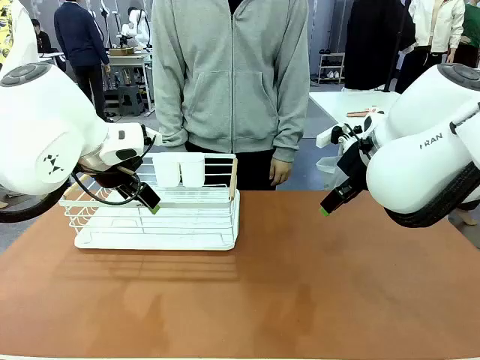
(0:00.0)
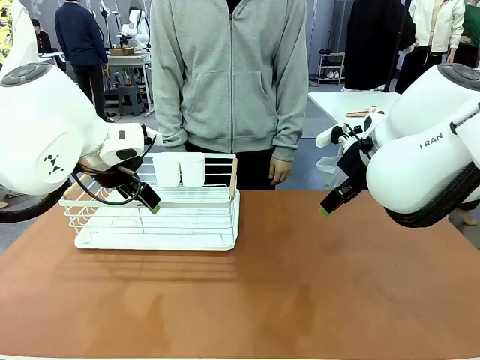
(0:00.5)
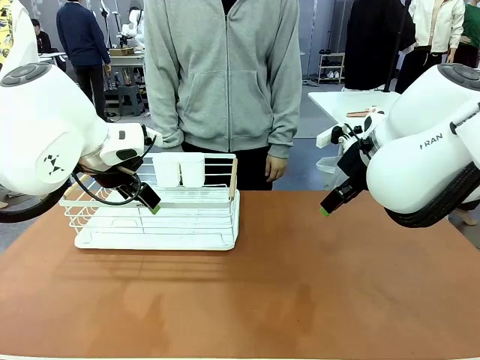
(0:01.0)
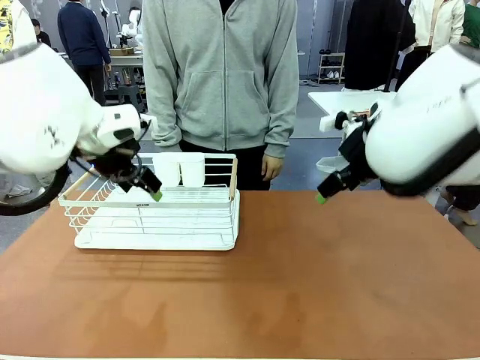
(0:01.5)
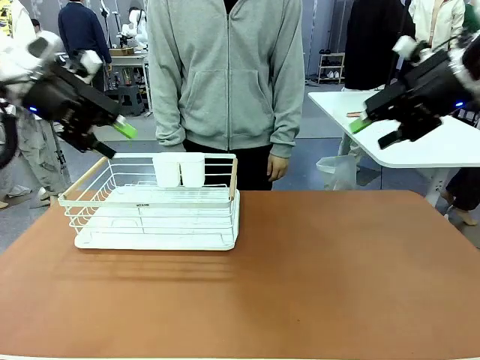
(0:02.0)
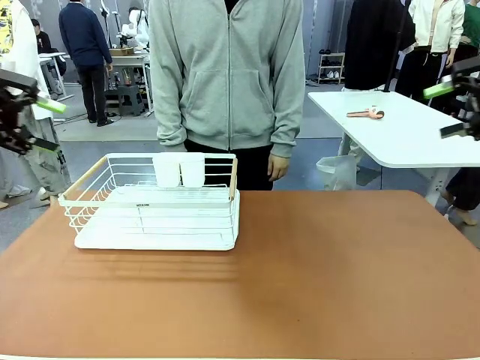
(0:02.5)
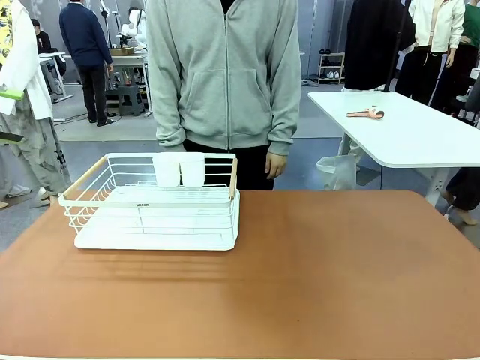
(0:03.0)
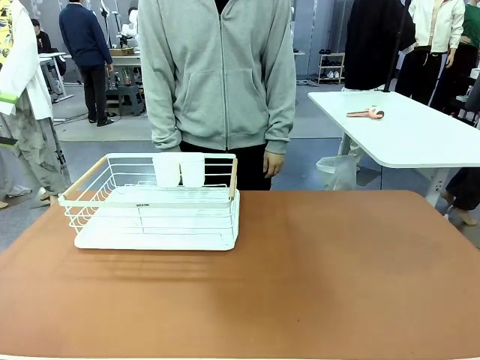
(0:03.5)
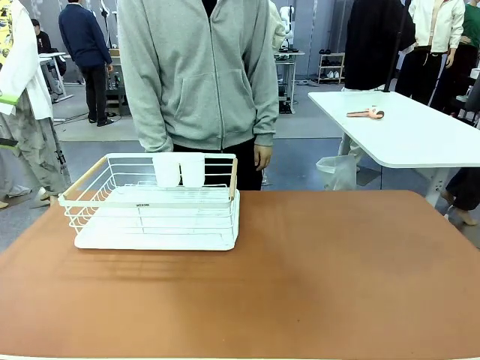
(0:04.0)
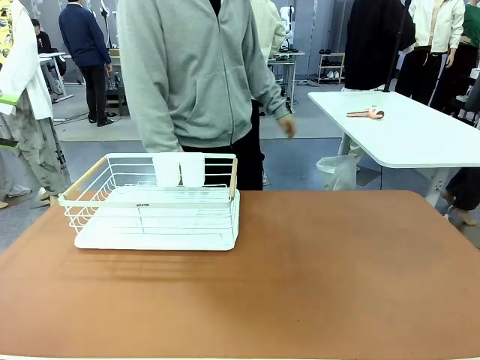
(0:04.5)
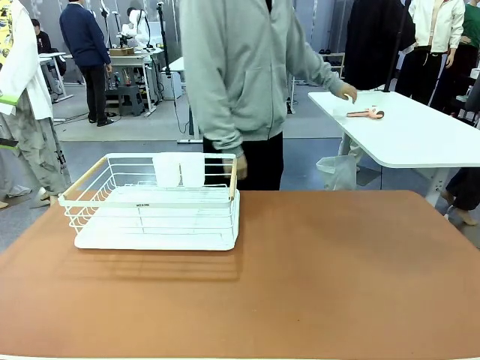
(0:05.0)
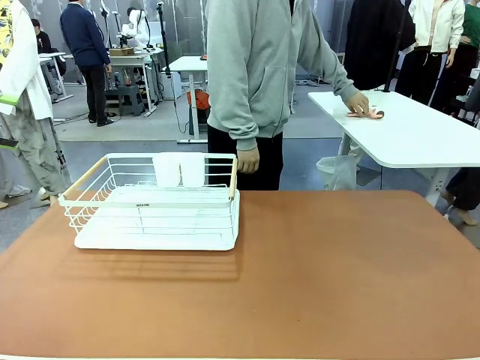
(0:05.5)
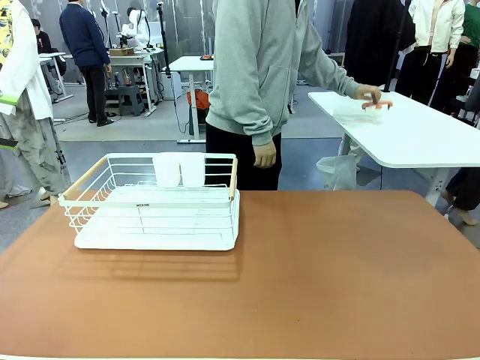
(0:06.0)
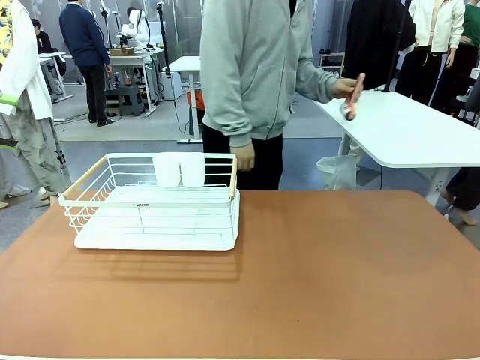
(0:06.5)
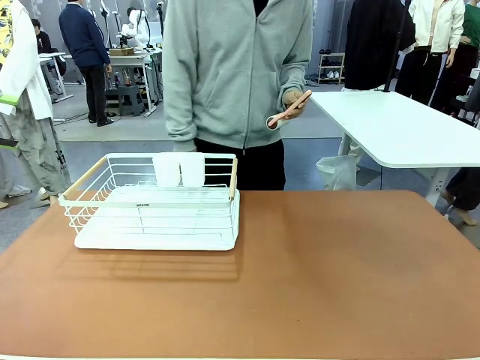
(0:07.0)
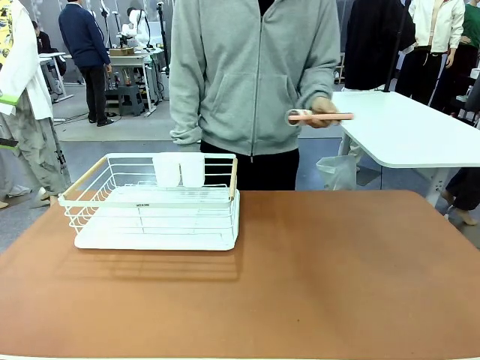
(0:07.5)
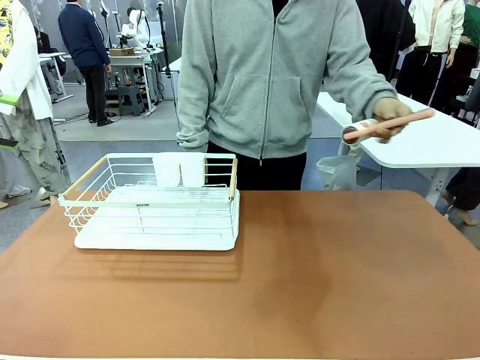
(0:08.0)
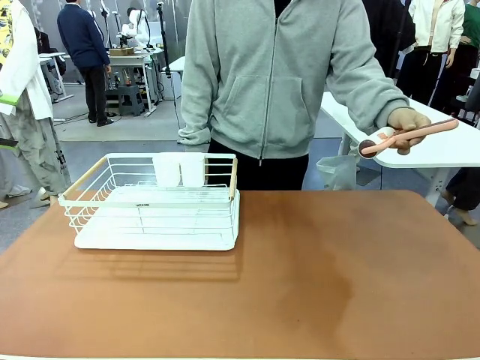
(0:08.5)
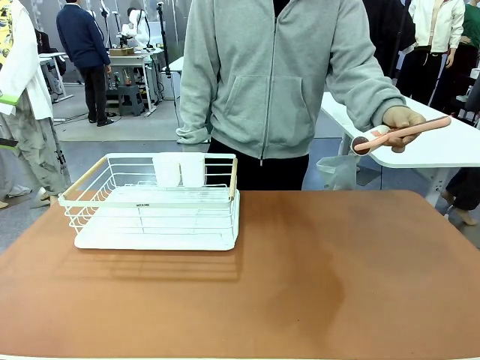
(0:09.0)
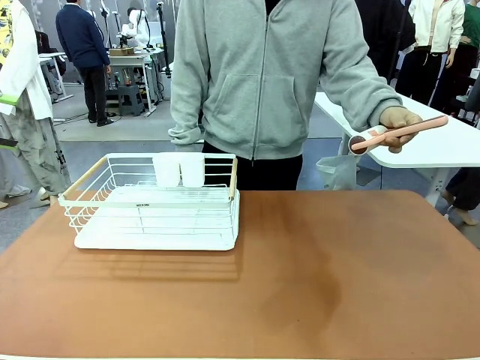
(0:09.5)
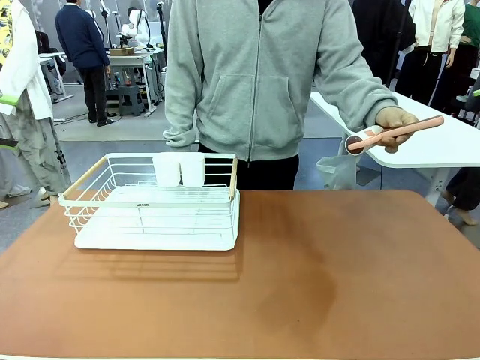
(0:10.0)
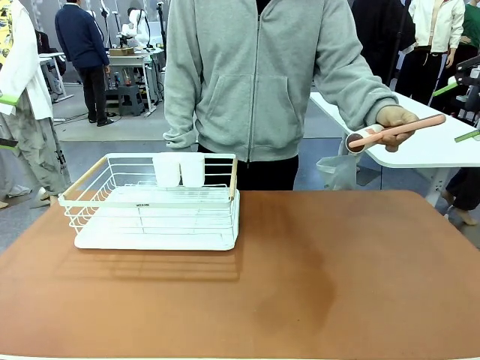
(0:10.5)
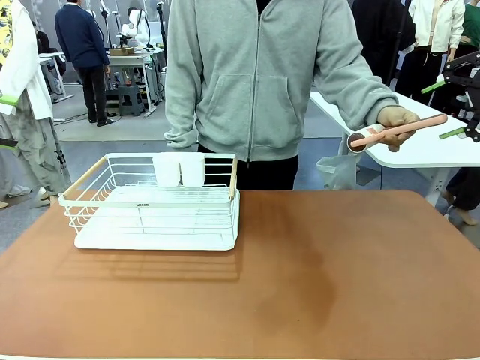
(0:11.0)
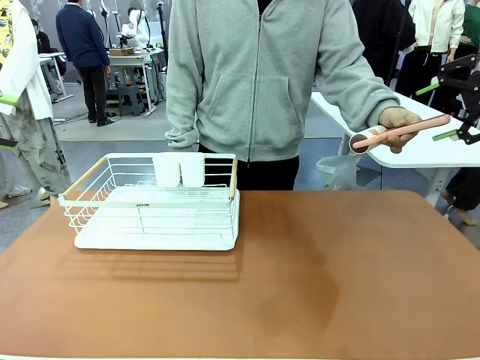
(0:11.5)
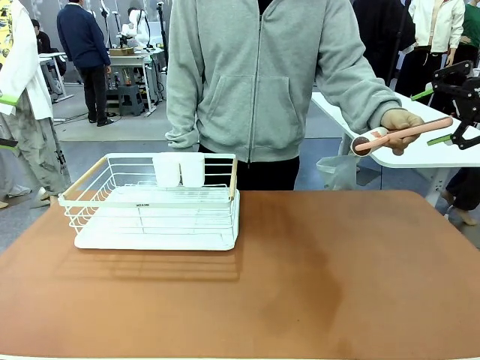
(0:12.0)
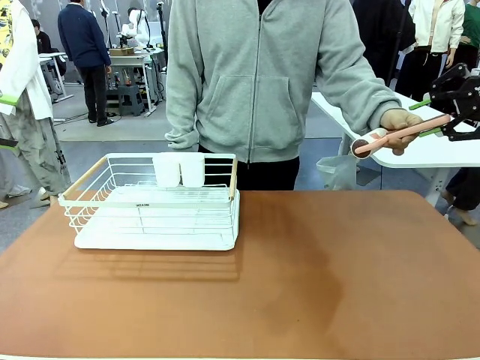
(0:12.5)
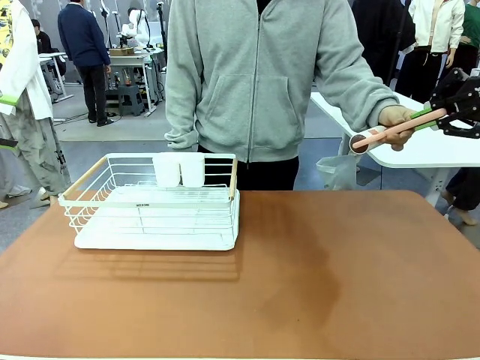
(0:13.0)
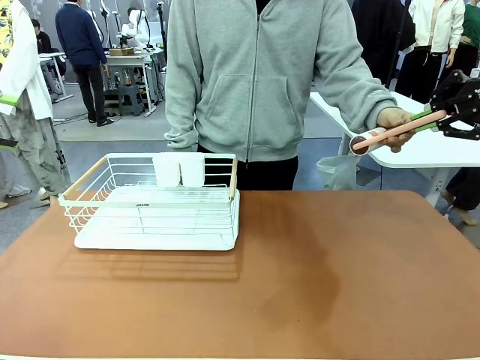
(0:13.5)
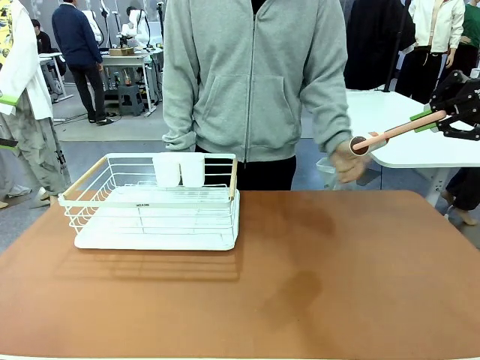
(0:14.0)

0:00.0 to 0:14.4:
Task: Clean the table.
Robot: Pick up the Lint Roller when the human hands it over.
Person: Hand the Lint Roller to the robot so it can easily pick it up. Lift the Dish drying rack.

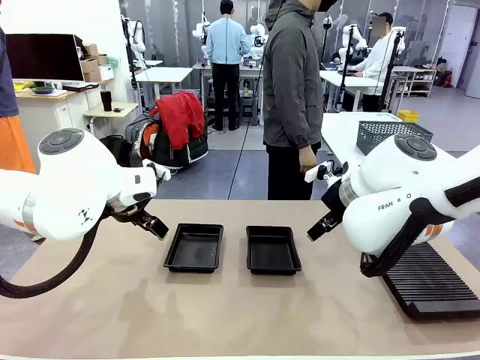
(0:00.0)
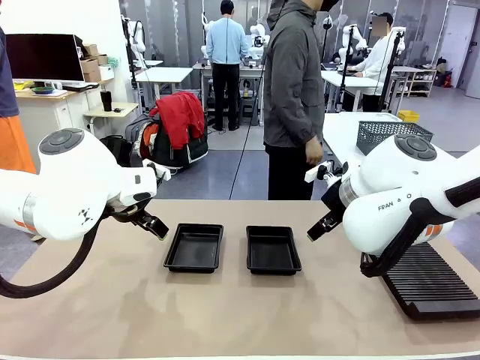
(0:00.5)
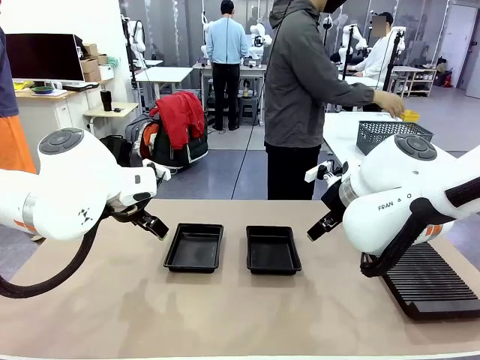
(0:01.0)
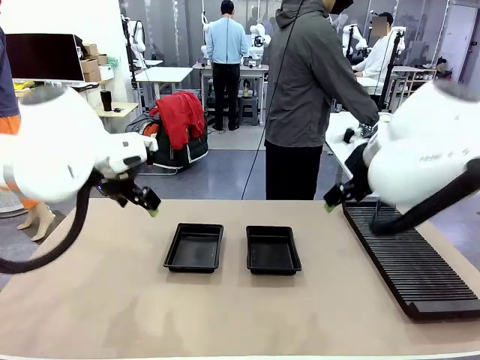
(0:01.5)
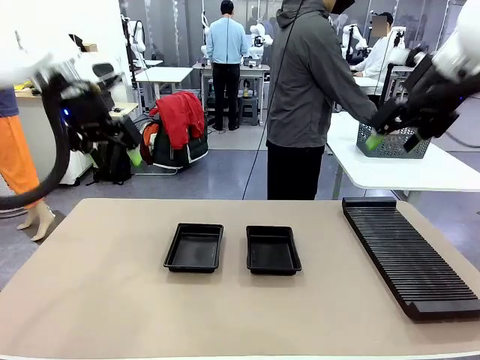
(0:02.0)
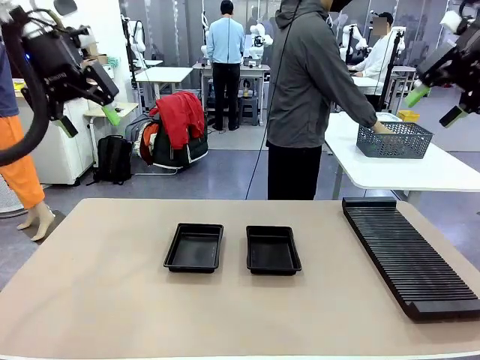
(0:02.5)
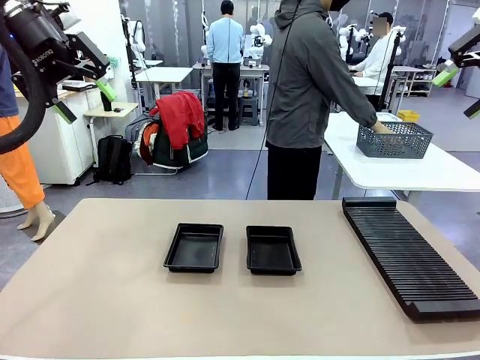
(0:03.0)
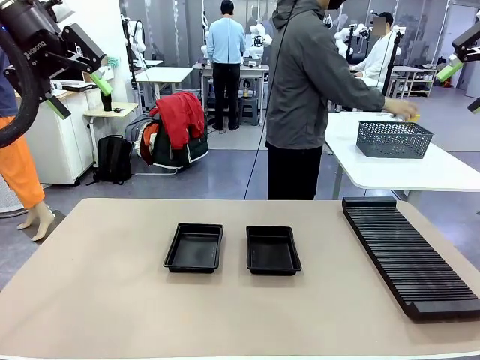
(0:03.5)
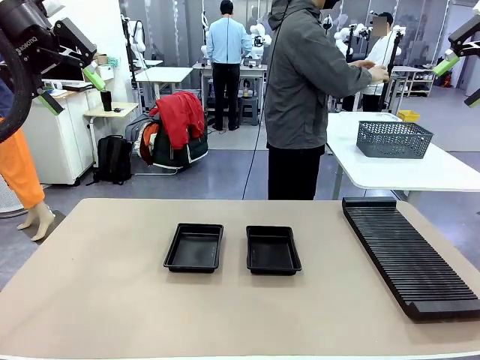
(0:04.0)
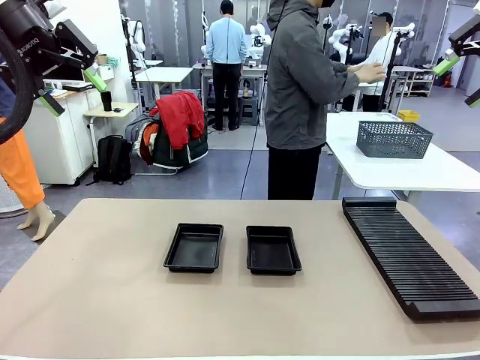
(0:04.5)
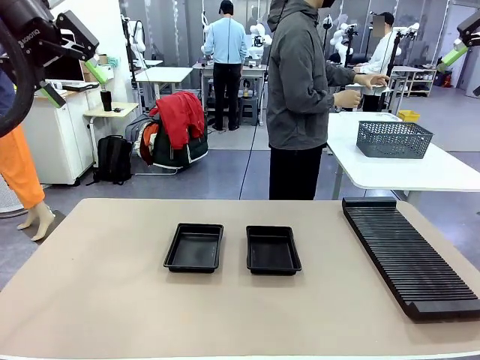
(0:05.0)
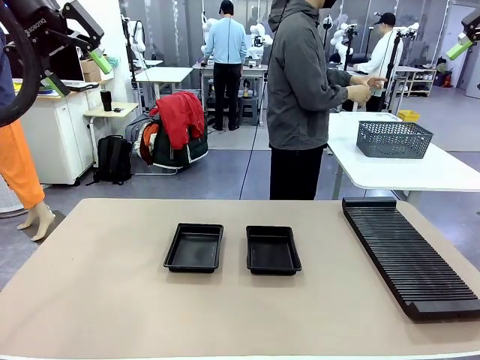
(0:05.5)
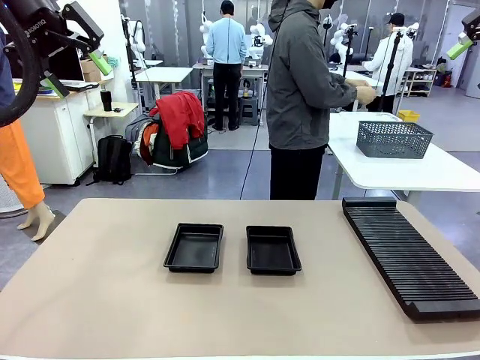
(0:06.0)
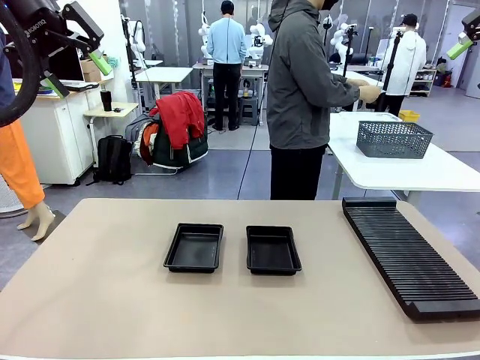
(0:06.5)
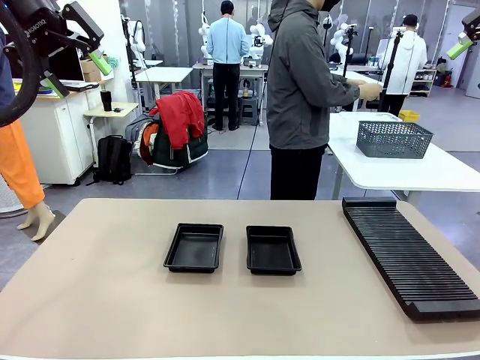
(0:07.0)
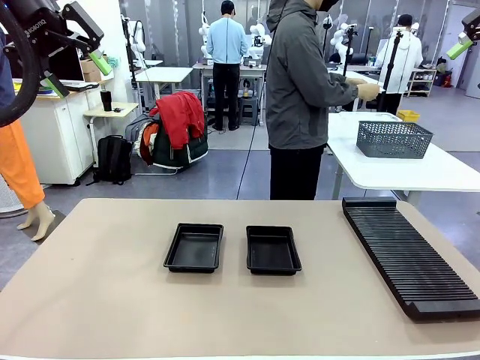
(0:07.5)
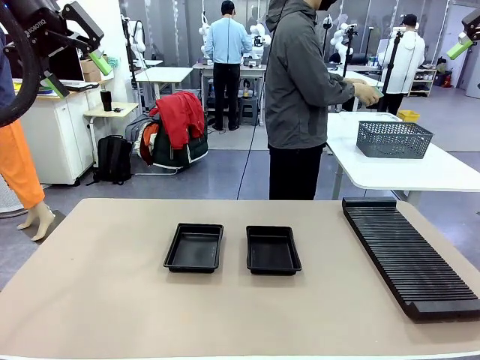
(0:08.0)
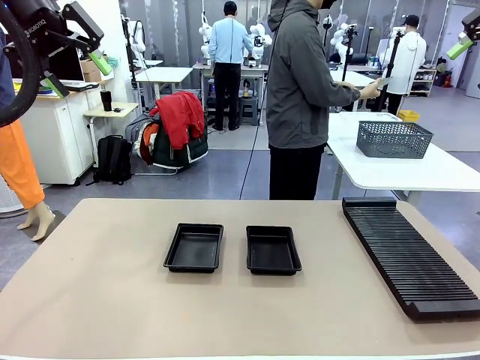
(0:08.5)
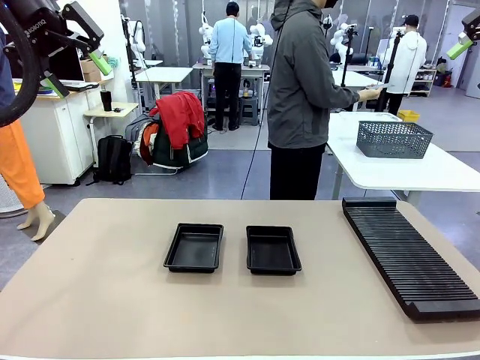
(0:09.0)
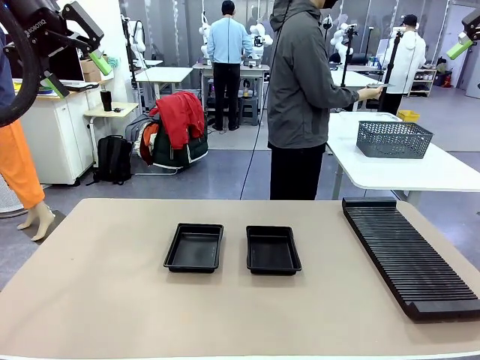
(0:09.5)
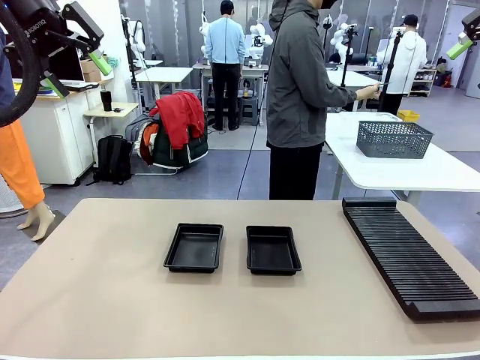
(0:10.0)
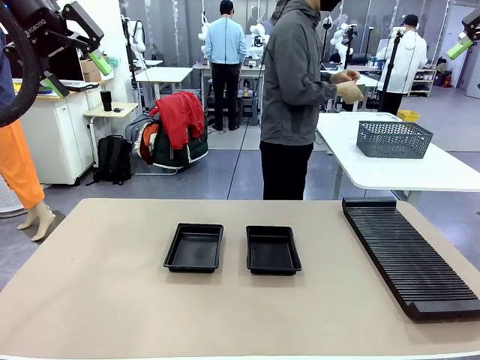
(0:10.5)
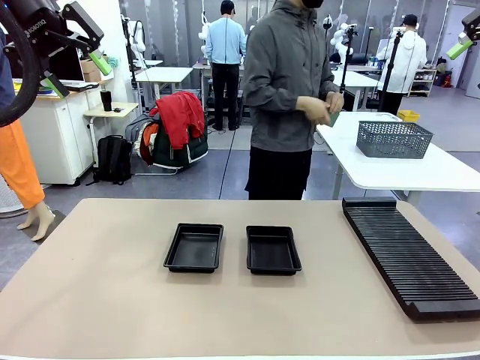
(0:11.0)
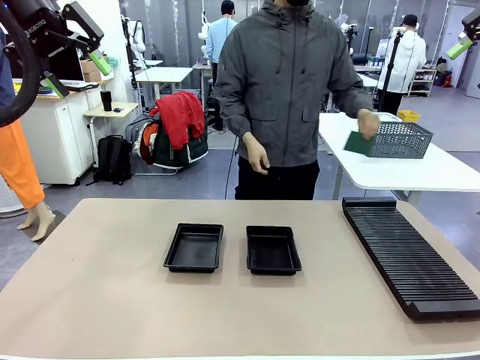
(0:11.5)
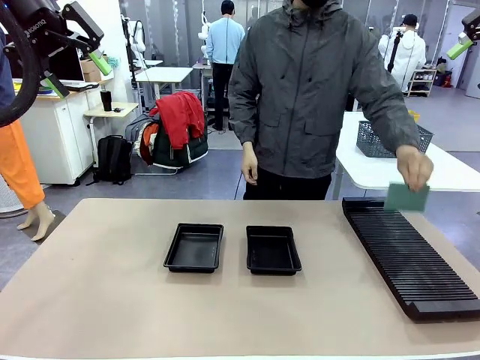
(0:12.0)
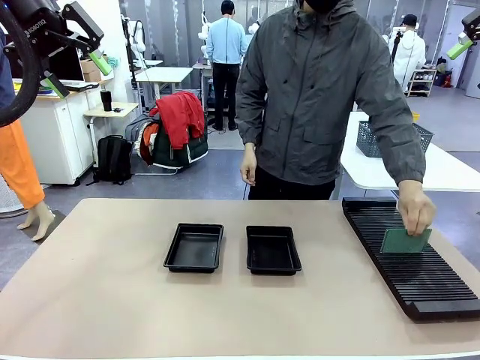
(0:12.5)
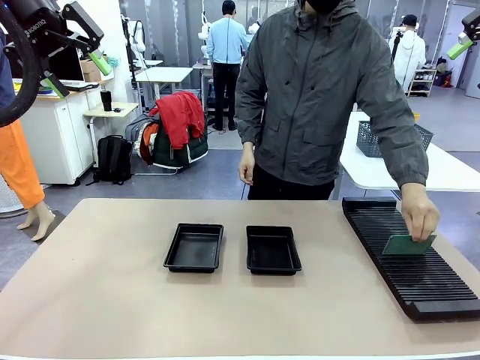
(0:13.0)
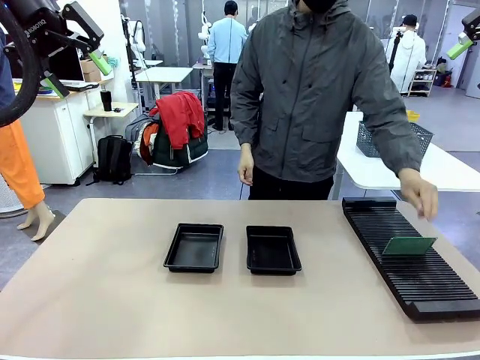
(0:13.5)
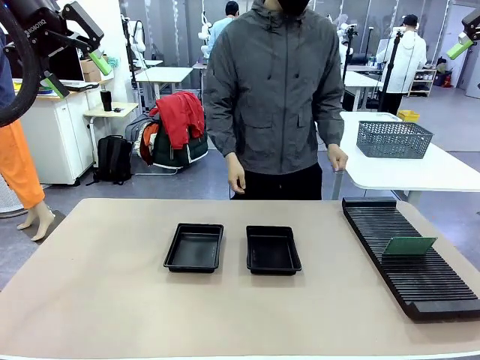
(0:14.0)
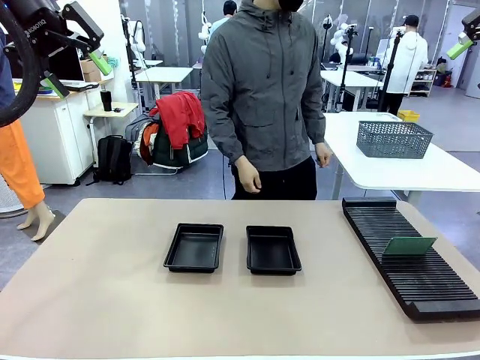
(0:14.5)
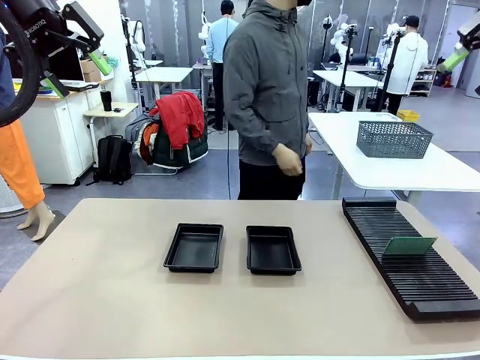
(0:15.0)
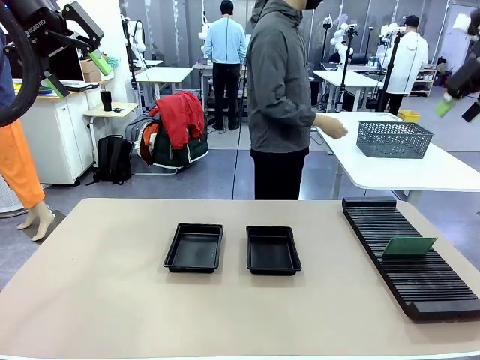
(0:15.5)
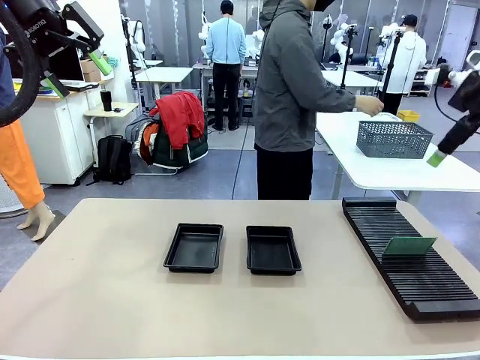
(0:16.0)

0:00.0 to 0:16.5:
Task: Inspect and transfer BCBs to ESD trays.
Robot: Pick up the Blank PCB from the PCB Rack and place it in the left ESD tray.
